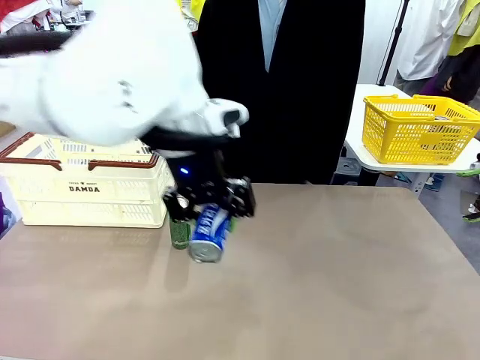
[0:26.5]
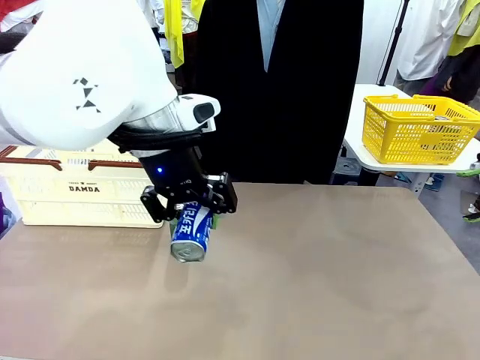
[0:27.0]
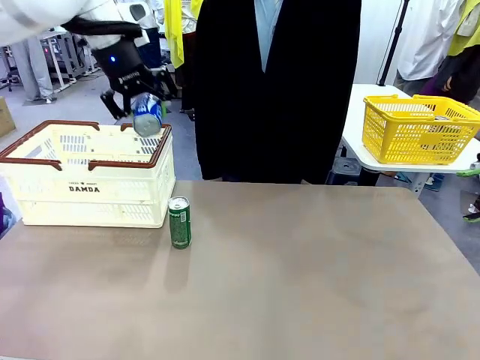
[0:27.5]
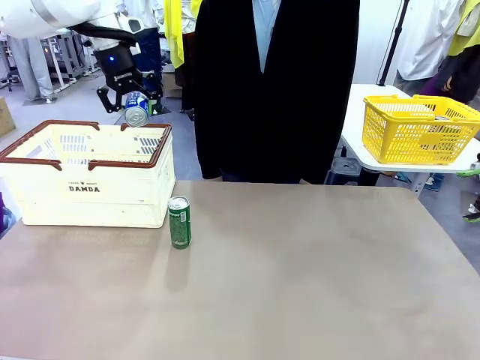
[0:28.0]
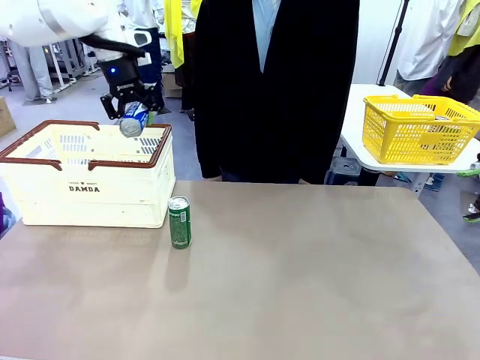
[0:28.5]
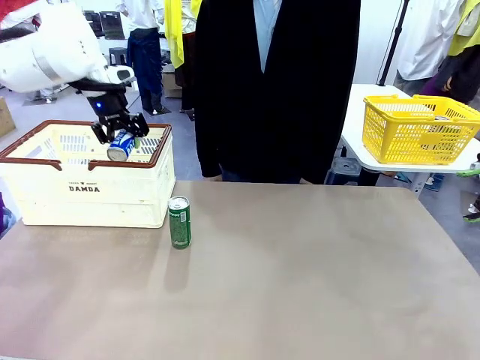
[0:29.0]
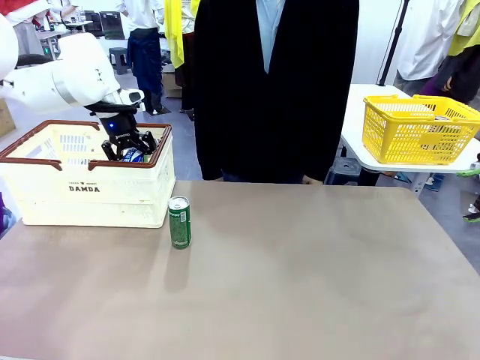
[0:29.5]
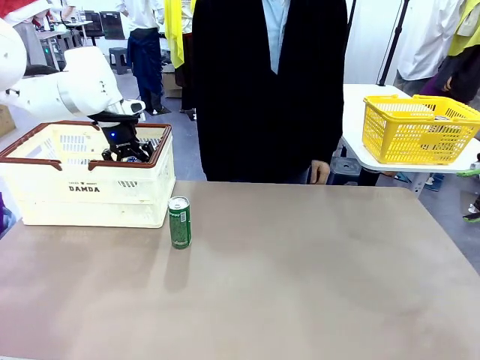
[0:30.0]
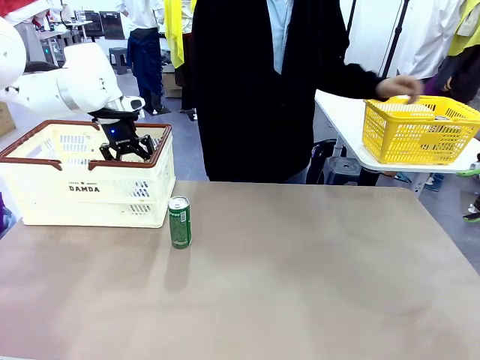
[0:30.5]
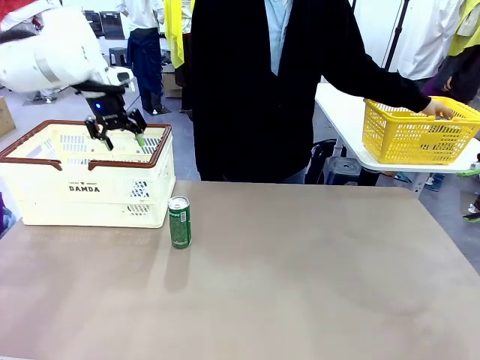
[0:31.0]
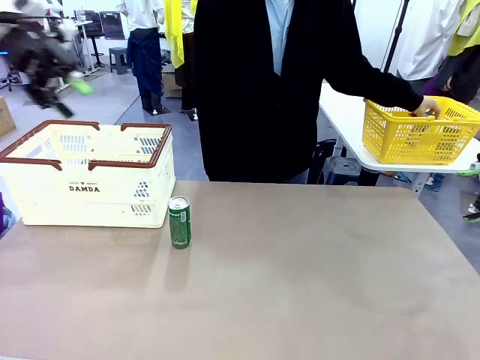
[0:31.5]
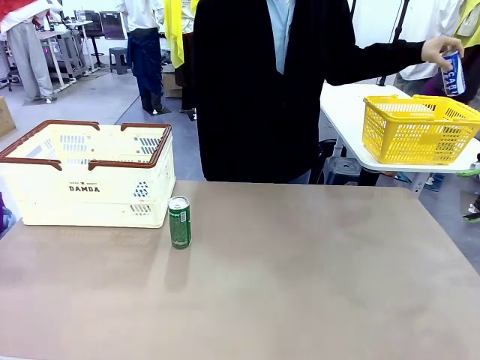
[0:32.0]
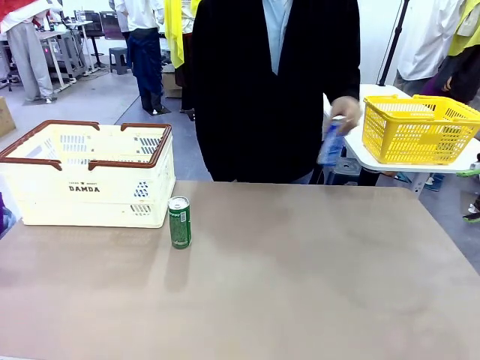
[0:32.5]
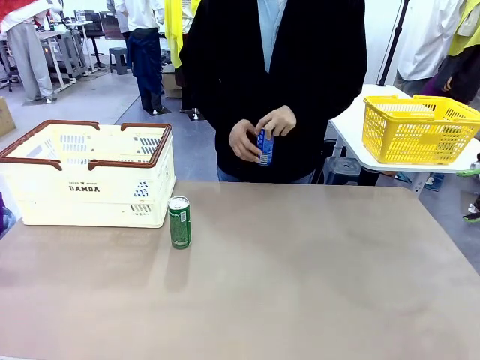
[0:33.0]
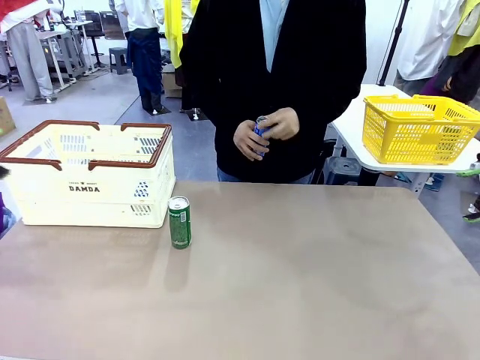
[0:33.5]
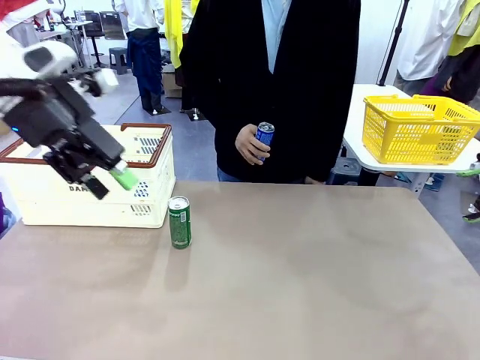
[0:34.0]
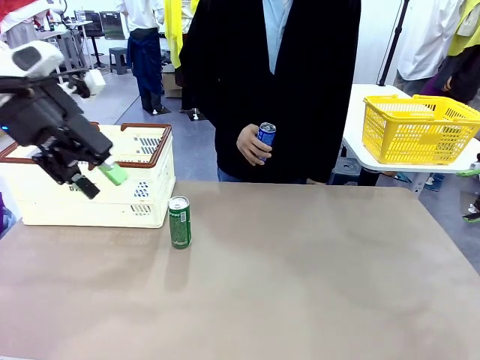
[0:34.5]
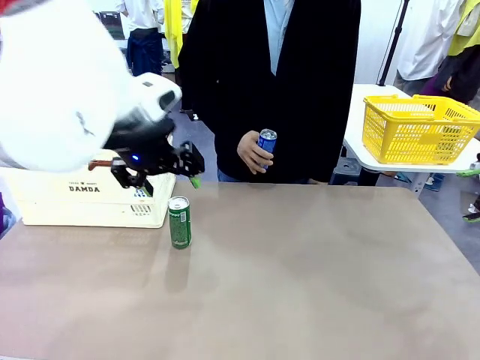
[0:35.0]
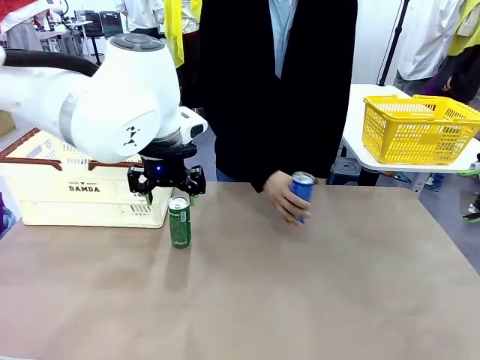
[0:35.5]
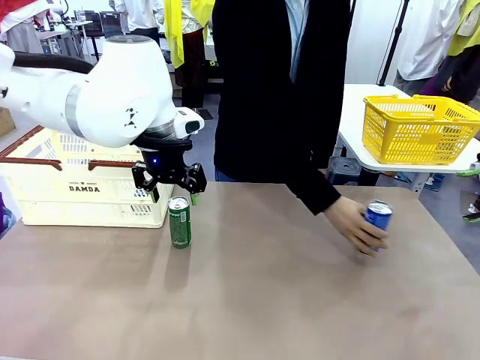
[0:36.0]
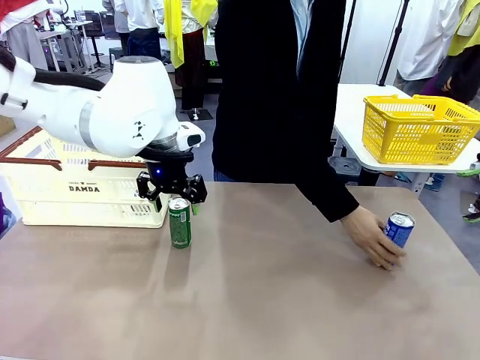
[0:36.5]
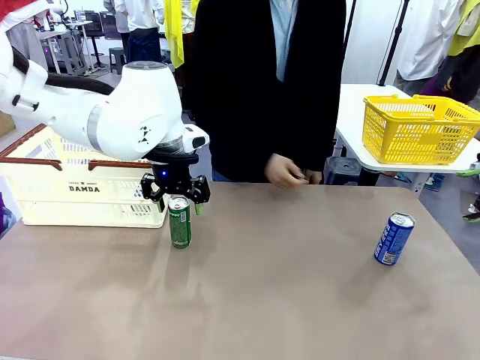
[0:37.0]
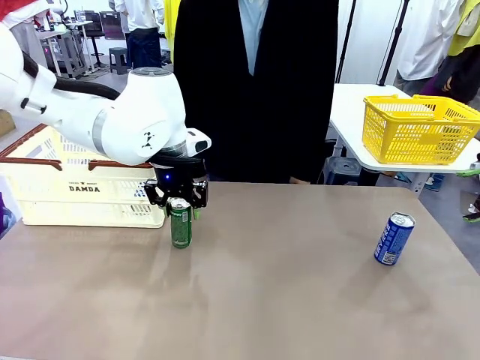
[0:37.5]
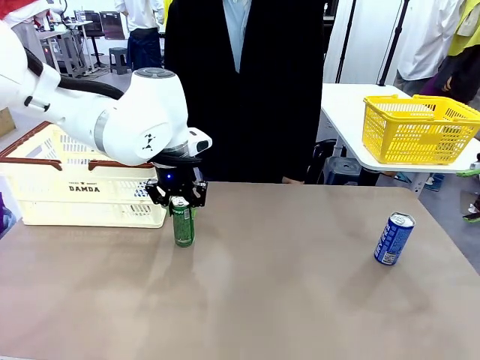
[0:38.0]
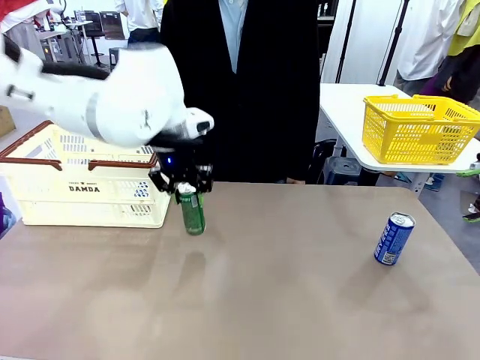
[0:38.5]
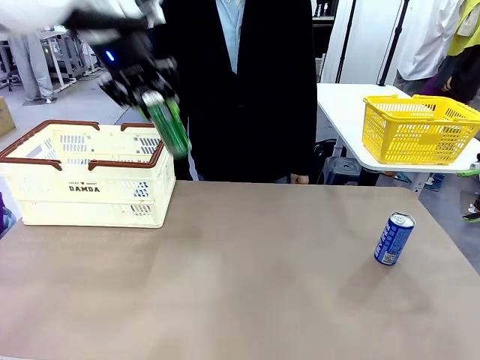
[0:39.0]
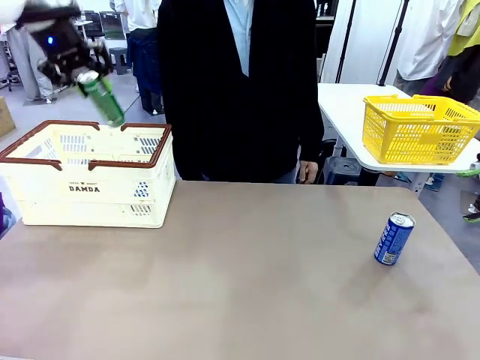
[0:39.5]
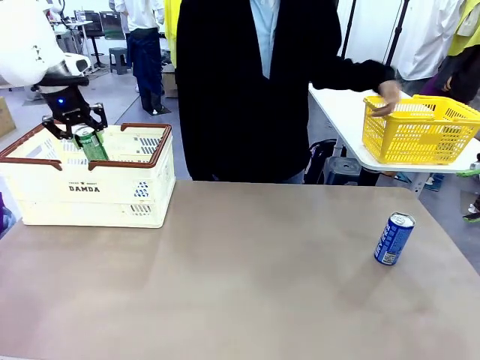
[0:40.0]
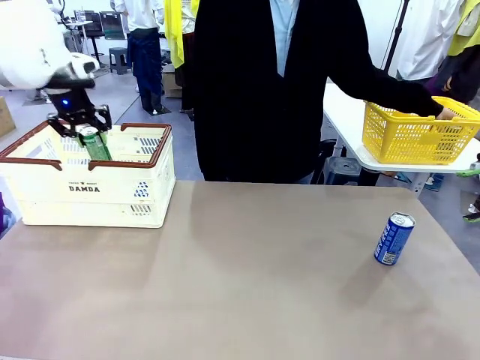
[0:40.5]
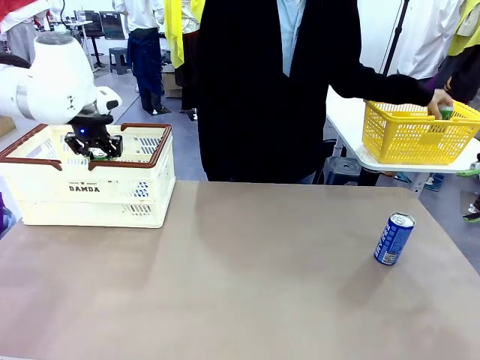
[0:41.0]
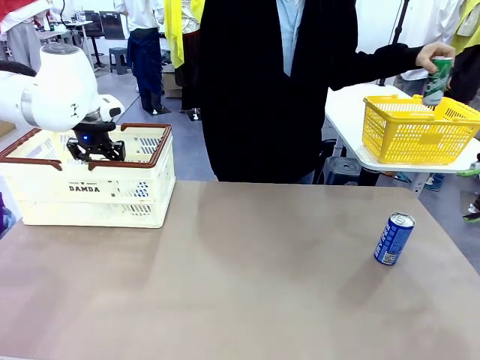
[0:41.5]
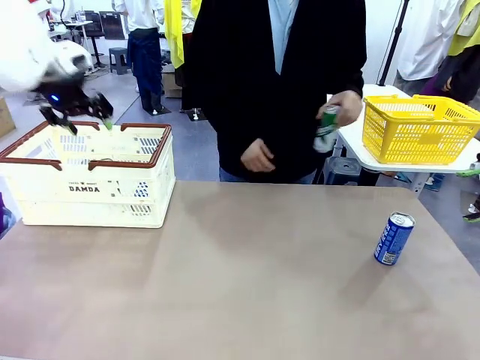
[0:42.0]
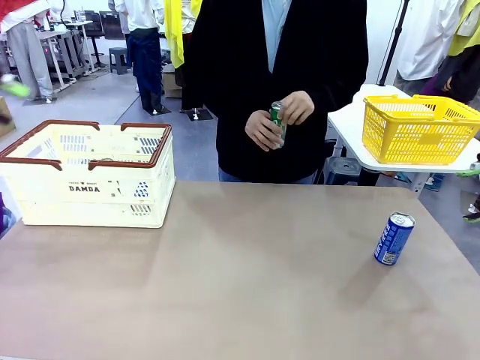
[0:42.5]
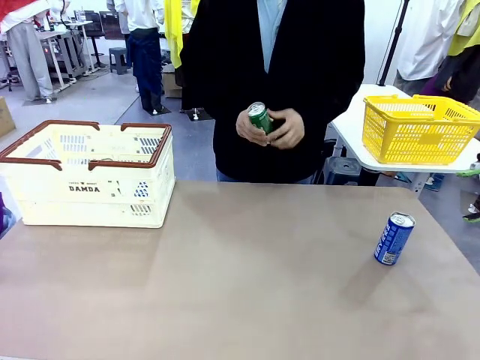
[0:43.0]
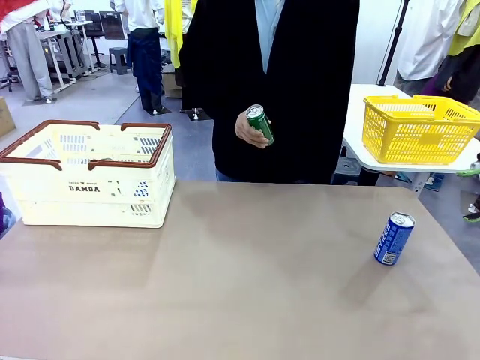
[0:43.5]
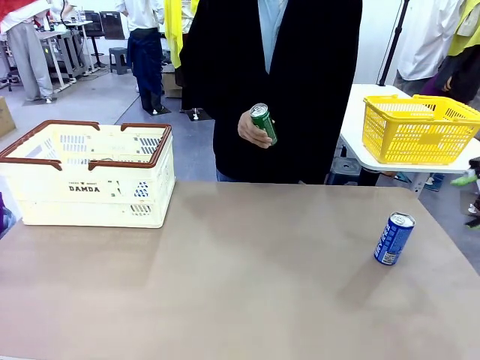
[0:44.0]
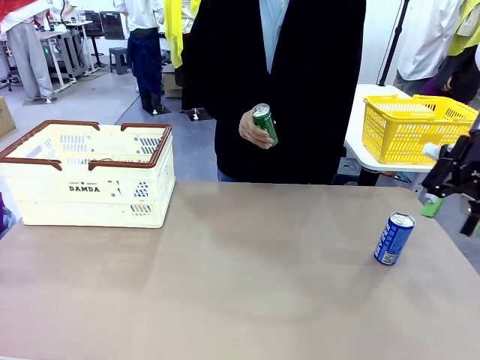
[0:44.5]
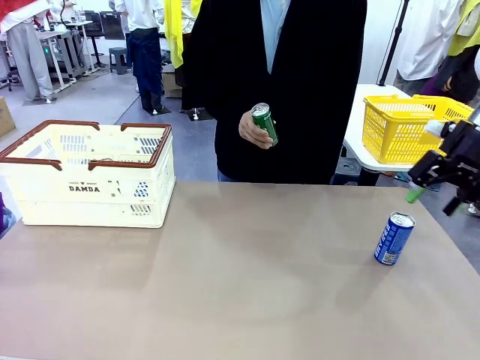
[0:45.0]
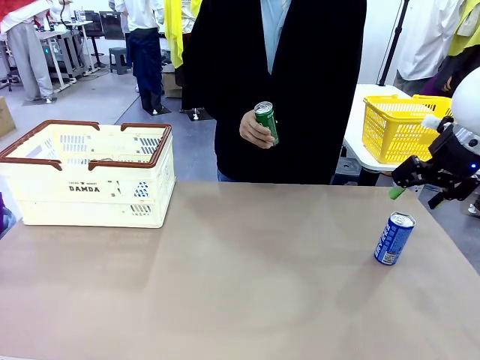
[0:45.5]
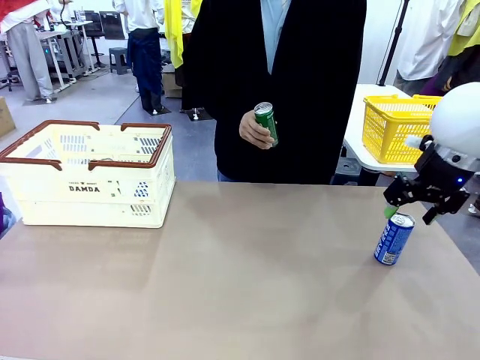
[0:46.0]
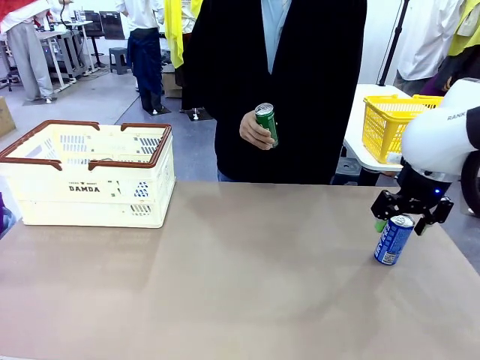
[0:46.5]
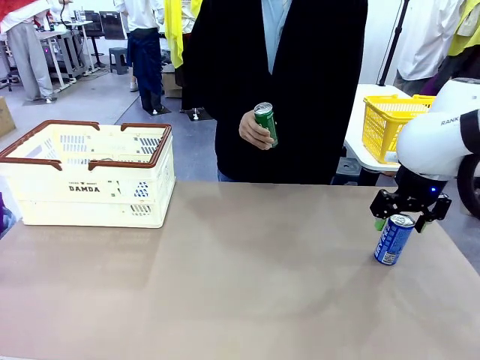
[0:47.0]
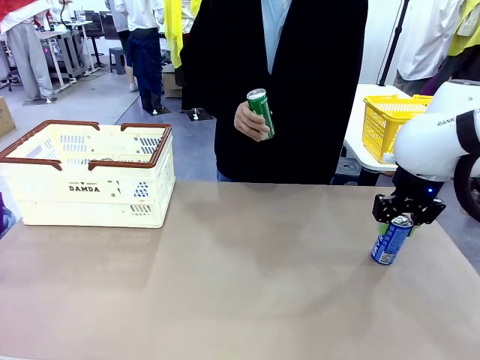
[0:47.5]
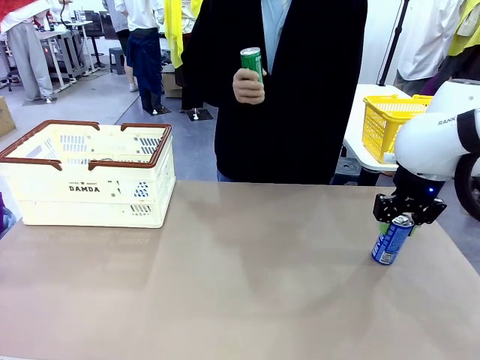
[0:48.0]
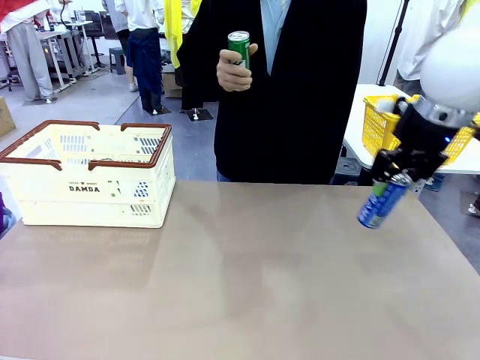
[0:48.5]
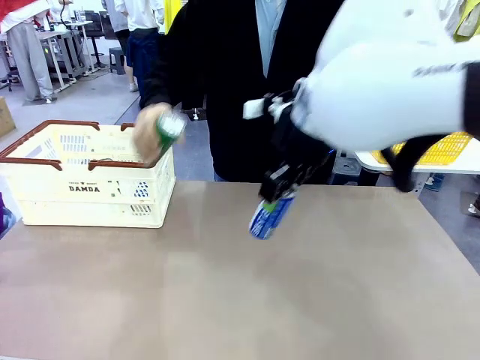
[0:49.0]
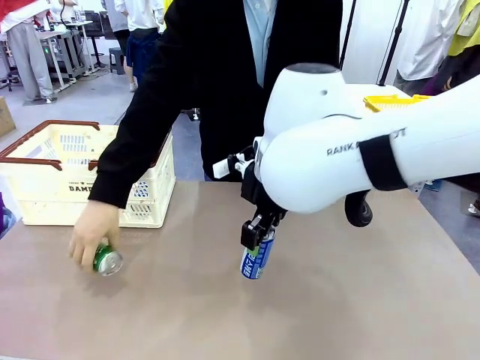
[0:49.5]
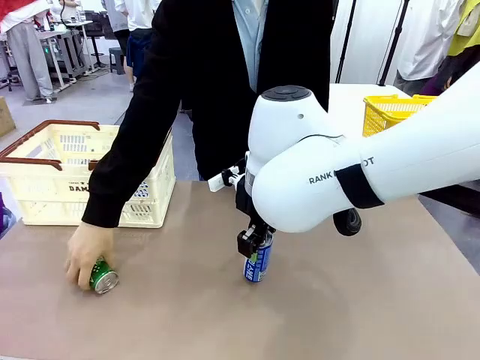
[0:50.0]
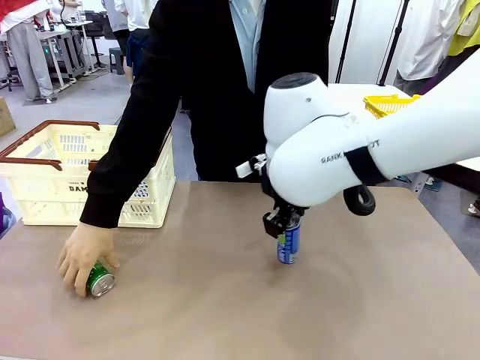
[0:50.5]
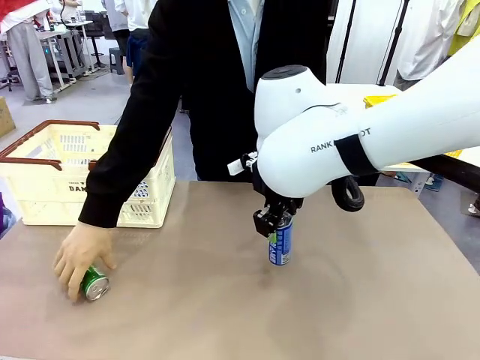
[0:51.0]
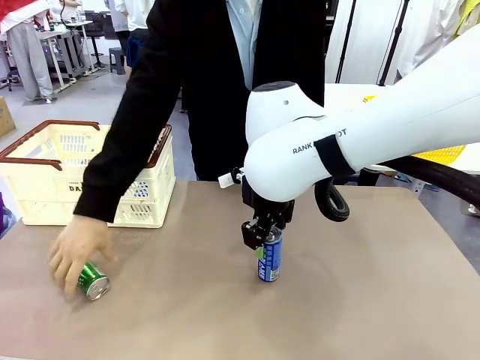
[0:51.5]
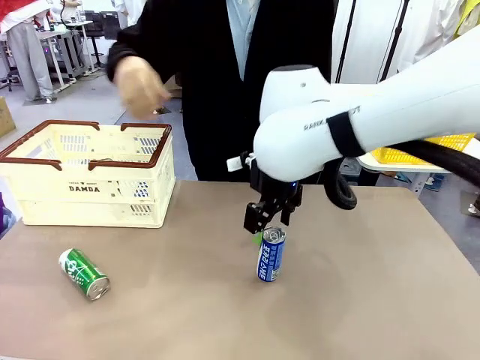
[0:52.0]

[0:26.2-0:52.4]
Task: Place the drinks into the Shopping basket.
Robot: Pick up one drink and place it into the Shopping basket.
